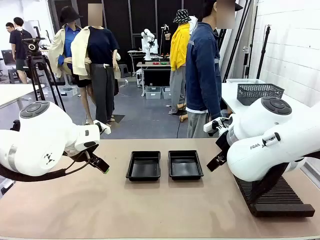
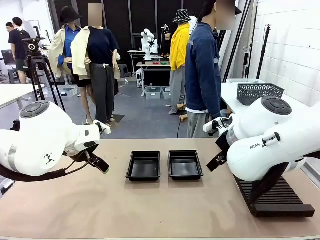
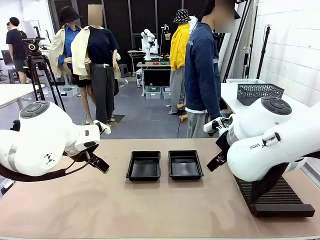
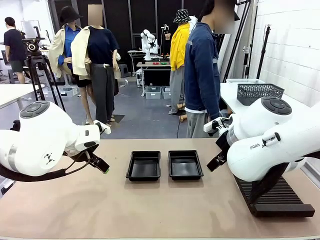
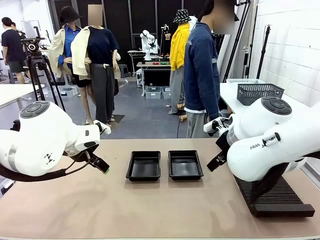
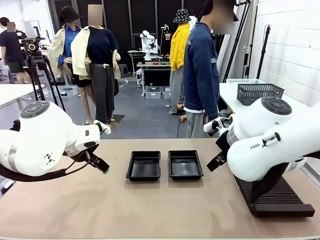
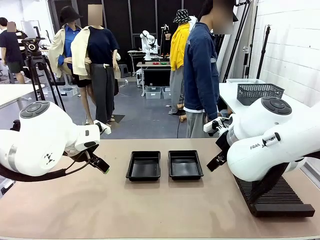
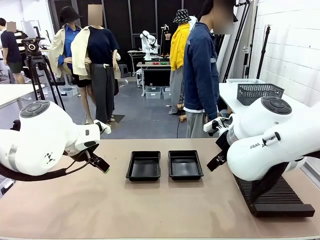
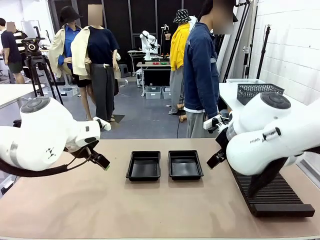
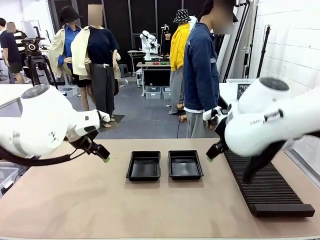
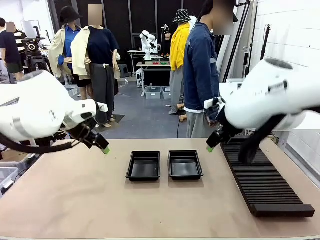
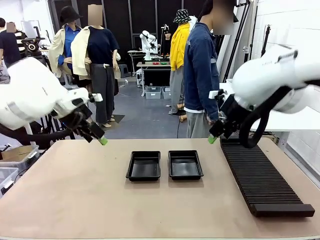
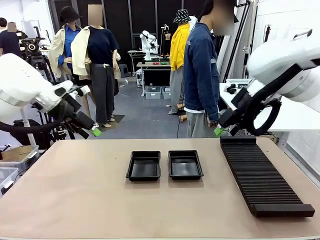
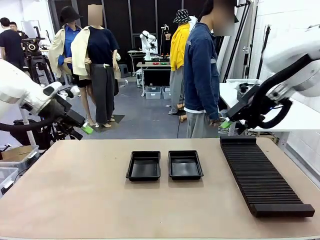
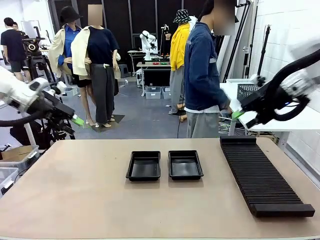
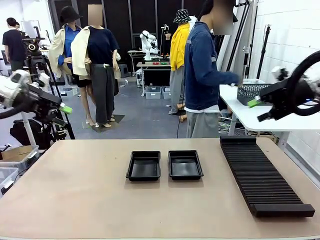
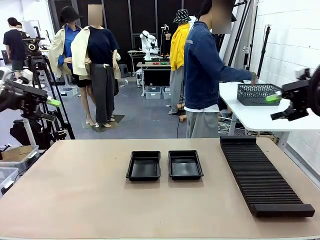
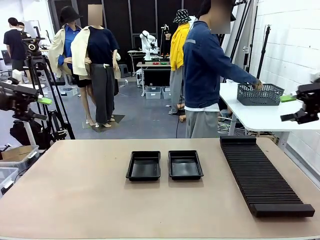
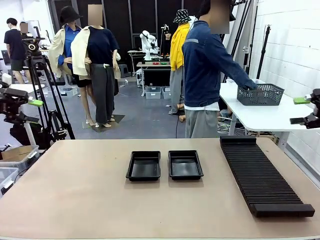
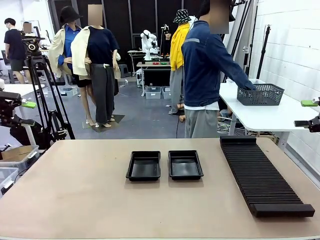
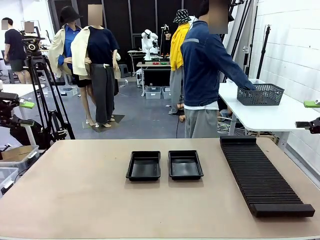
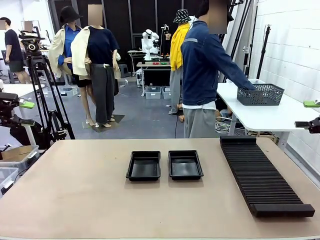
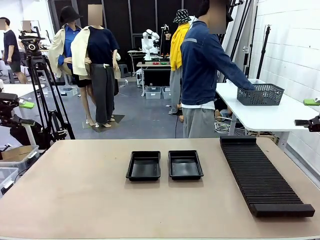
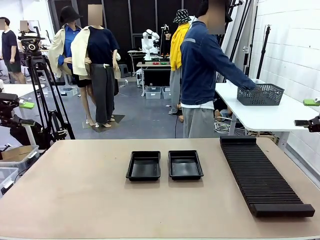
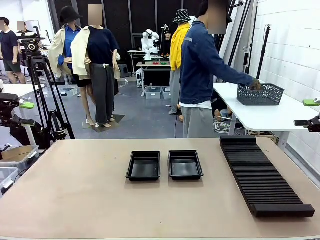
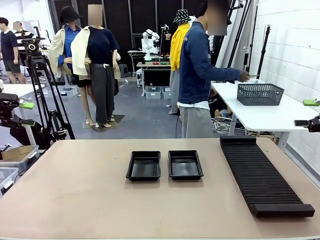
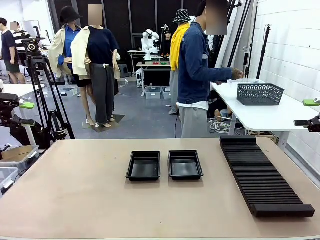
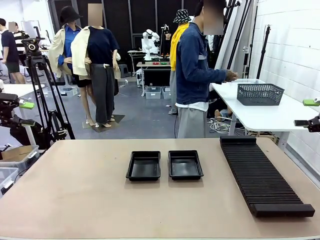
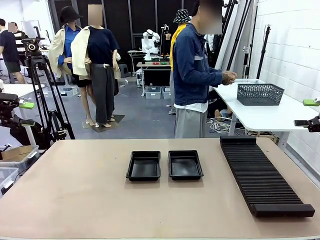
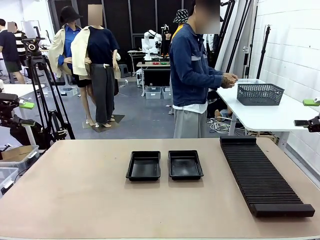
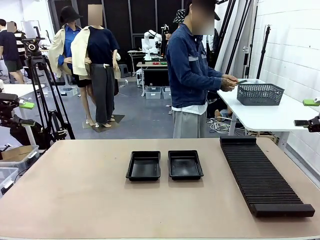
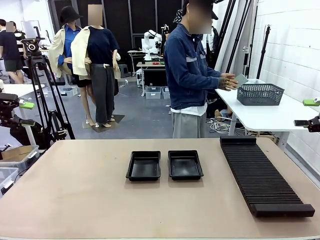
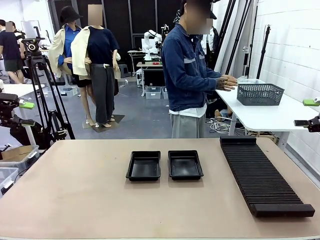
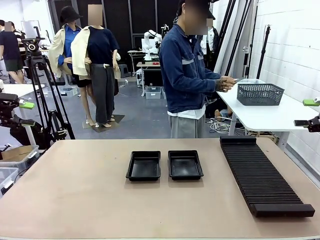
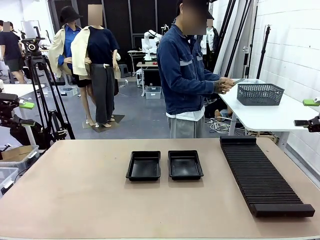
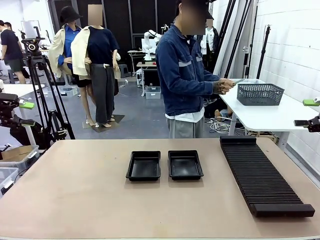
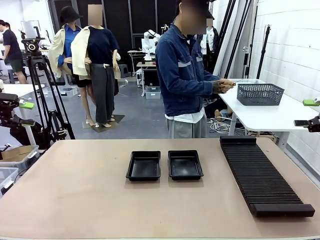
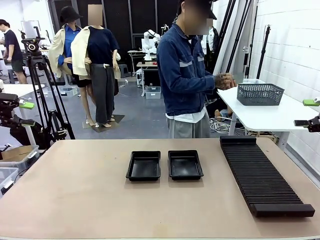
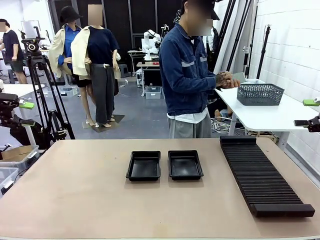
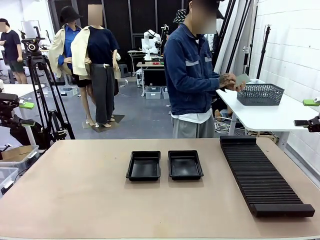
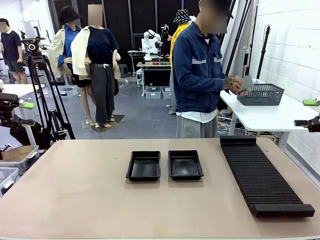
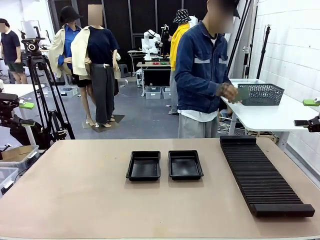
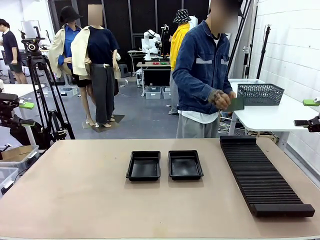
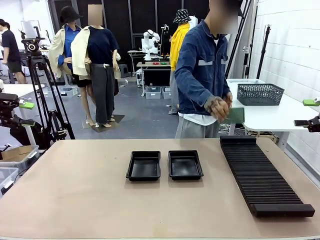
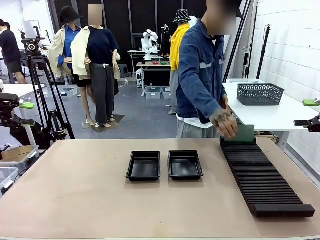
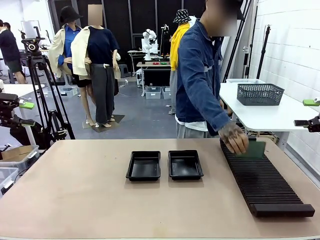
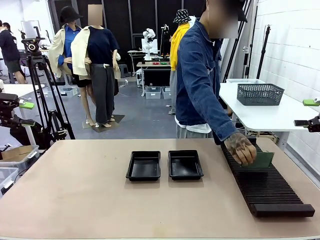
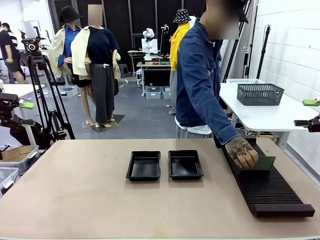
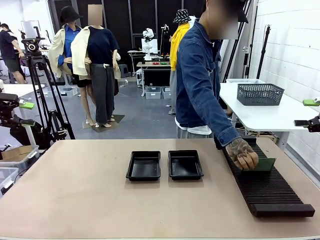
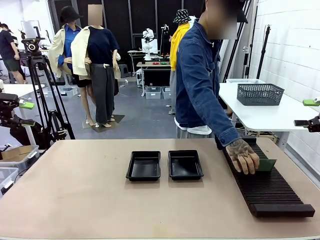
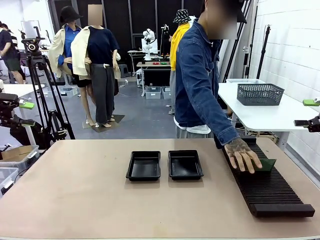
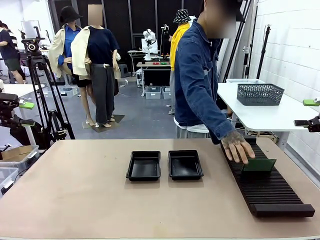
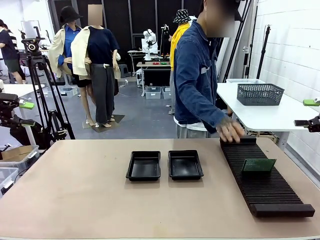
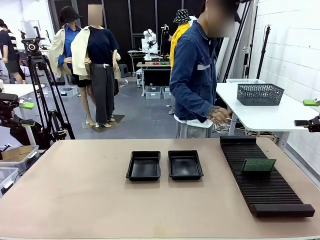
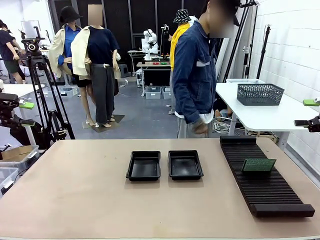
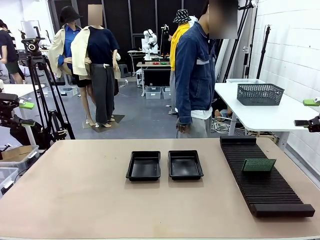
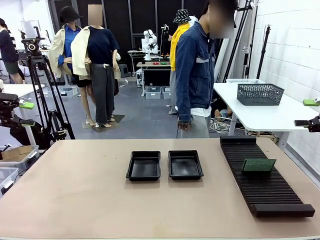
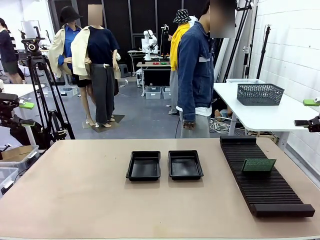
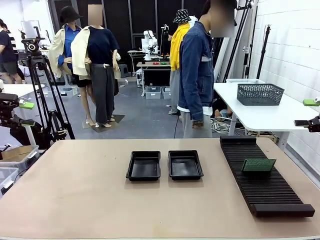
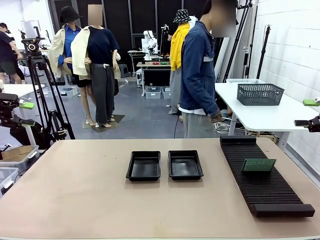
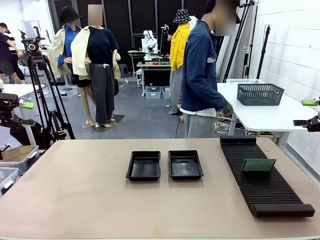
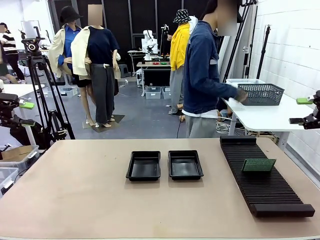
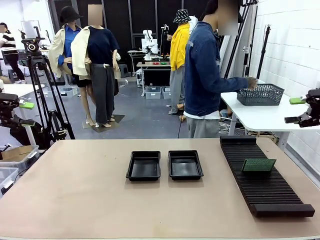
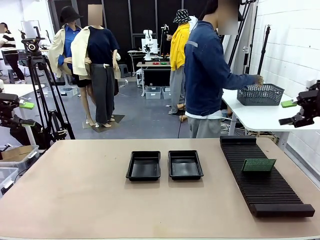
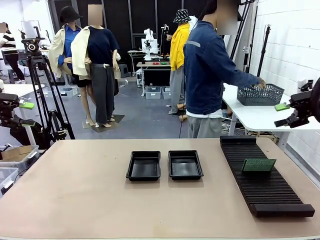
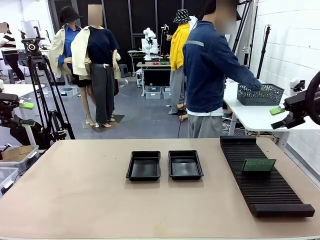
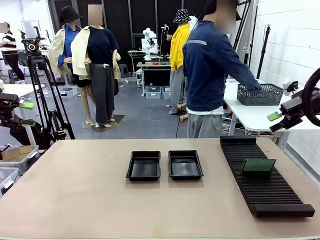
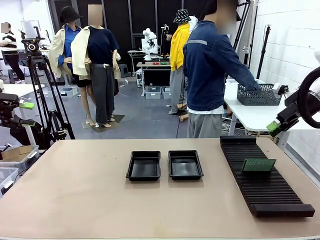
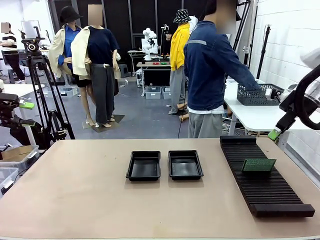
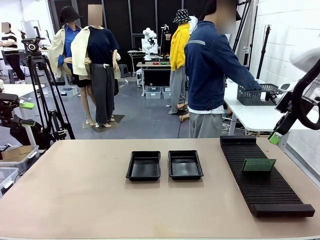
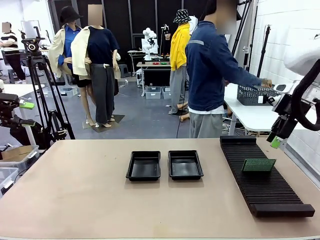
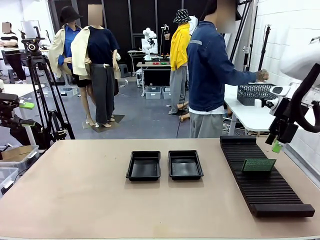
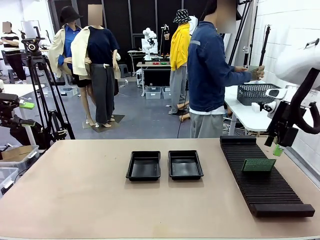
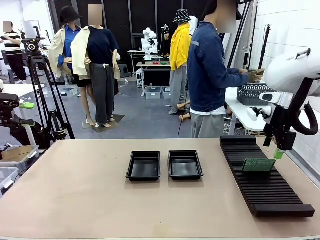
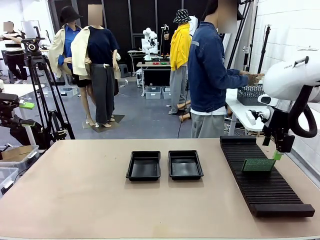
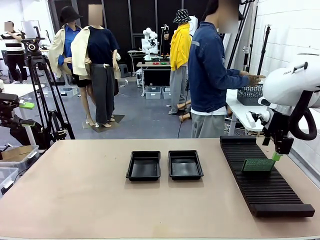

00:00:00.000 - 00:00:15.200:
Task: Inspect and transfer BCBs to ESD trays.
Robot: Pick up the Blank PCB from the PCB Rack and place it in the left ESD tray.
